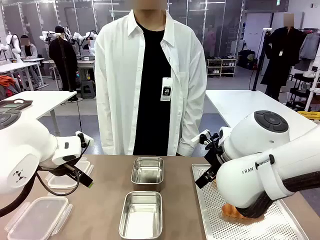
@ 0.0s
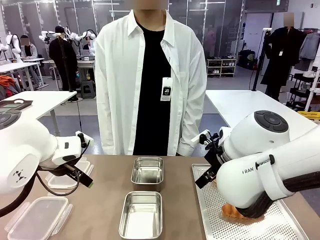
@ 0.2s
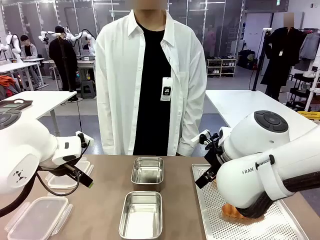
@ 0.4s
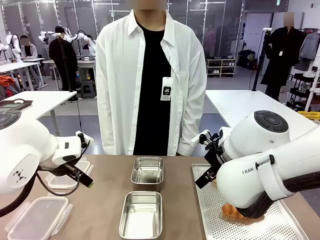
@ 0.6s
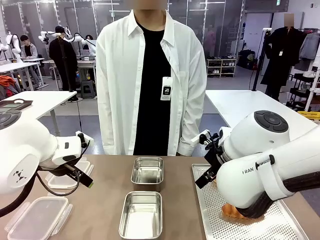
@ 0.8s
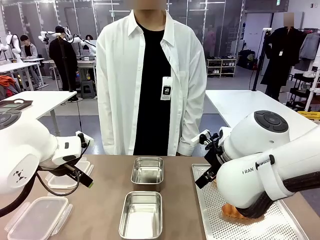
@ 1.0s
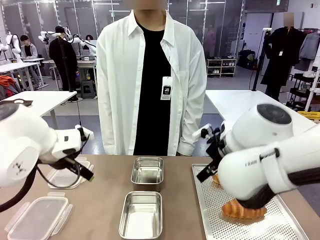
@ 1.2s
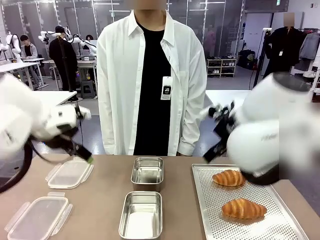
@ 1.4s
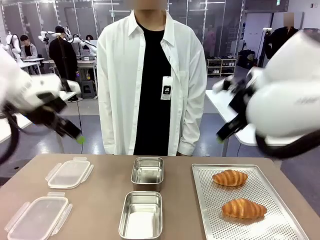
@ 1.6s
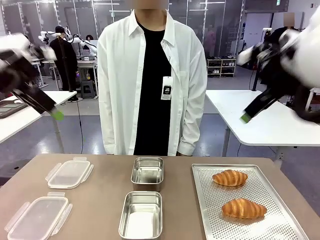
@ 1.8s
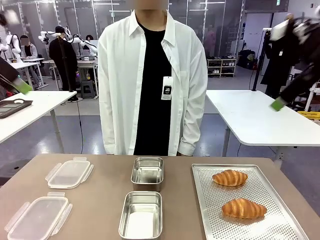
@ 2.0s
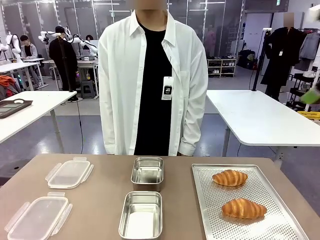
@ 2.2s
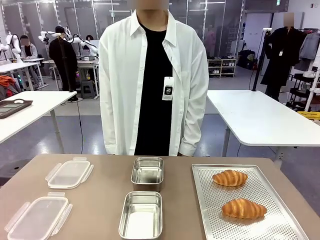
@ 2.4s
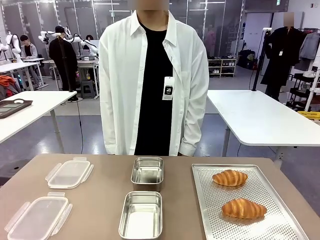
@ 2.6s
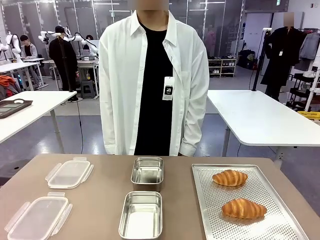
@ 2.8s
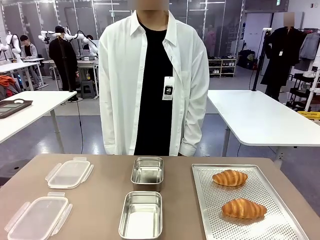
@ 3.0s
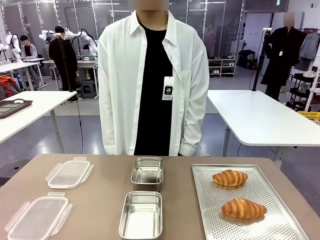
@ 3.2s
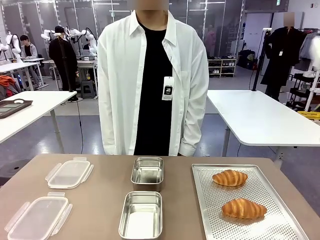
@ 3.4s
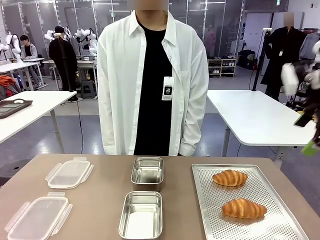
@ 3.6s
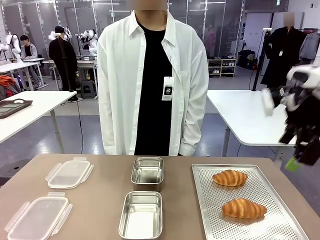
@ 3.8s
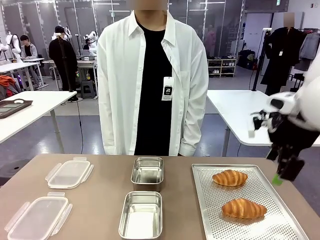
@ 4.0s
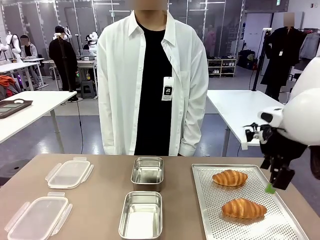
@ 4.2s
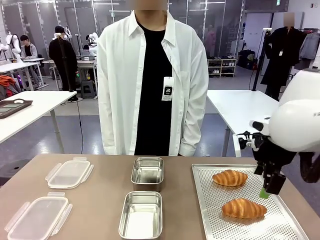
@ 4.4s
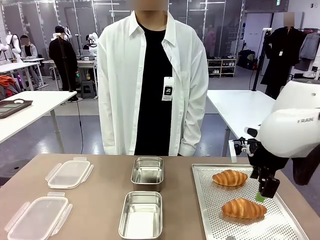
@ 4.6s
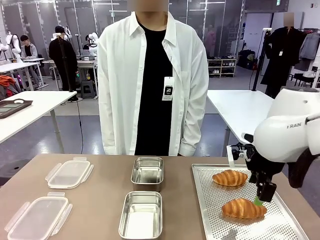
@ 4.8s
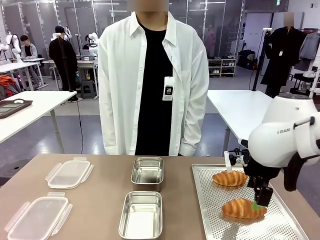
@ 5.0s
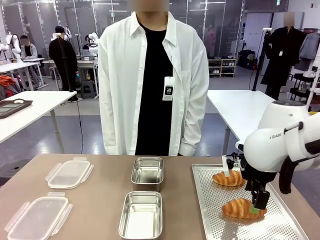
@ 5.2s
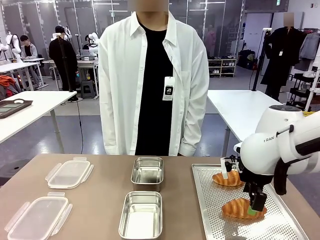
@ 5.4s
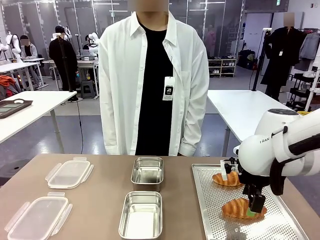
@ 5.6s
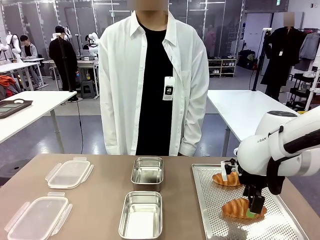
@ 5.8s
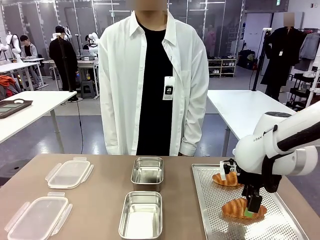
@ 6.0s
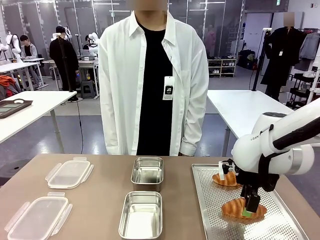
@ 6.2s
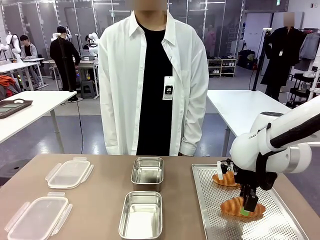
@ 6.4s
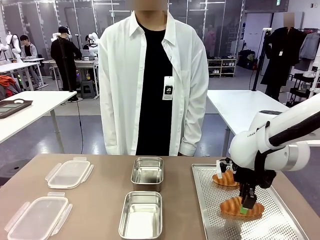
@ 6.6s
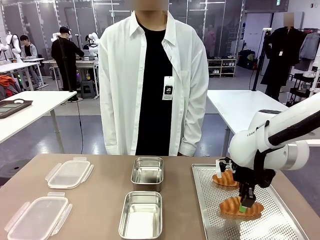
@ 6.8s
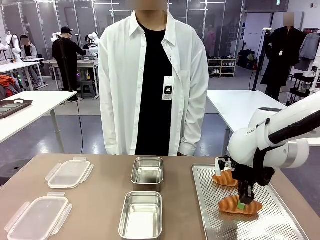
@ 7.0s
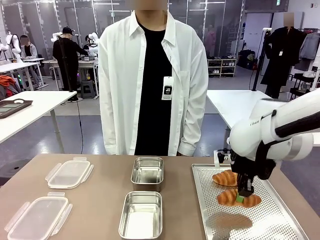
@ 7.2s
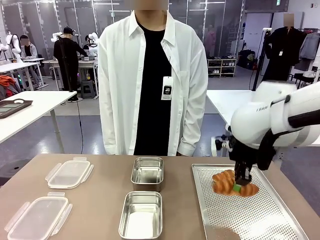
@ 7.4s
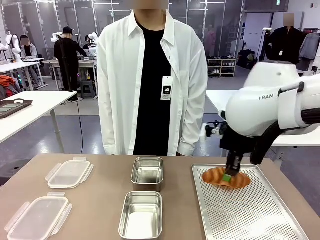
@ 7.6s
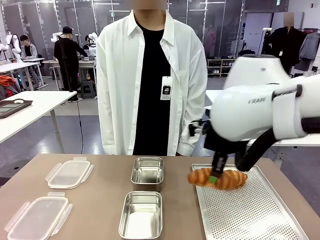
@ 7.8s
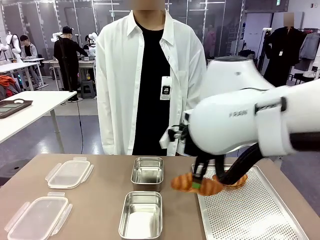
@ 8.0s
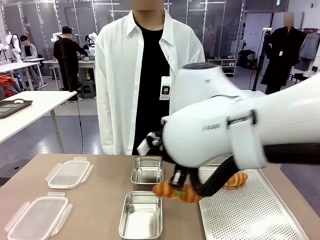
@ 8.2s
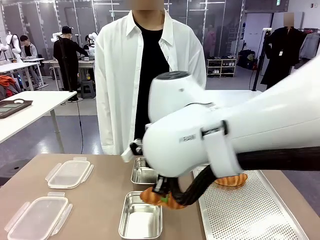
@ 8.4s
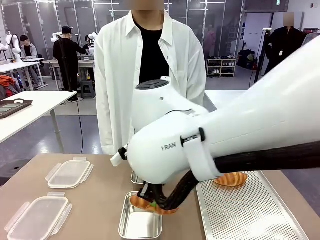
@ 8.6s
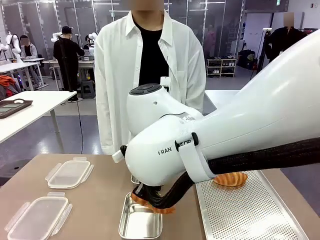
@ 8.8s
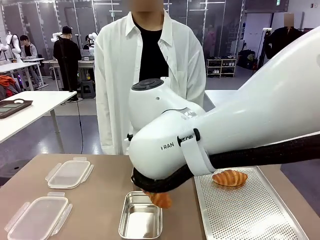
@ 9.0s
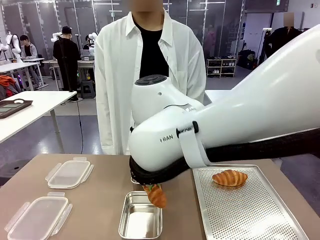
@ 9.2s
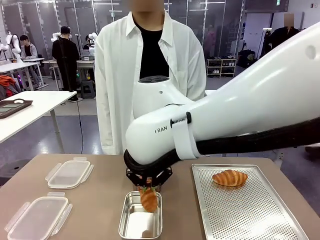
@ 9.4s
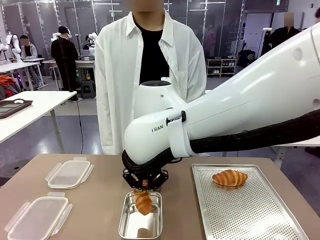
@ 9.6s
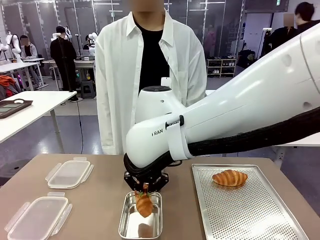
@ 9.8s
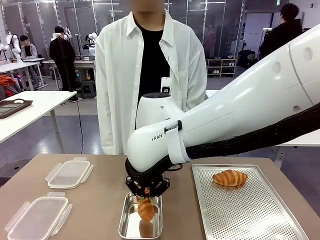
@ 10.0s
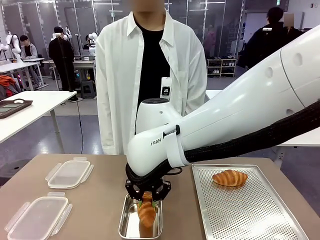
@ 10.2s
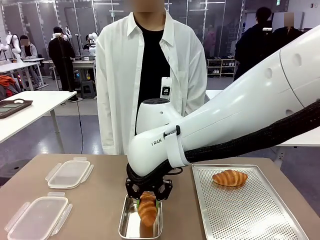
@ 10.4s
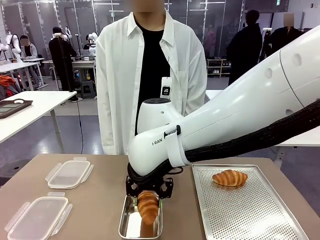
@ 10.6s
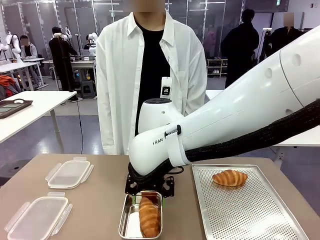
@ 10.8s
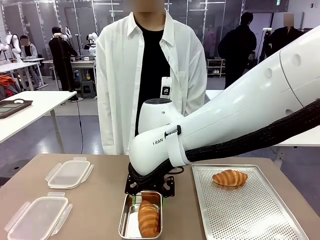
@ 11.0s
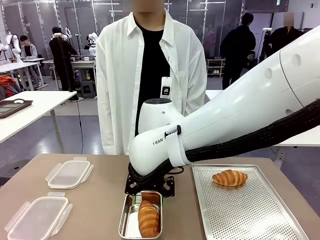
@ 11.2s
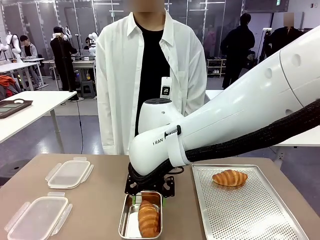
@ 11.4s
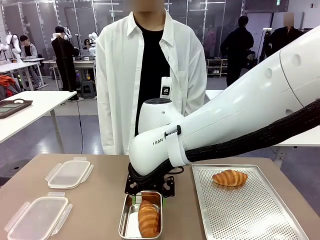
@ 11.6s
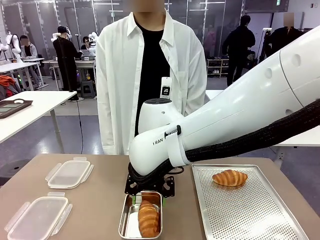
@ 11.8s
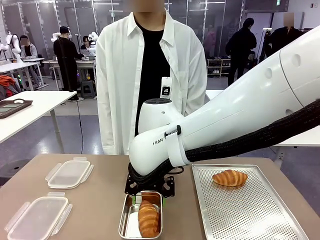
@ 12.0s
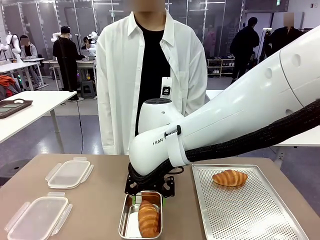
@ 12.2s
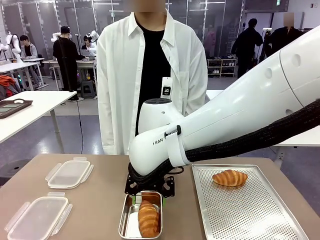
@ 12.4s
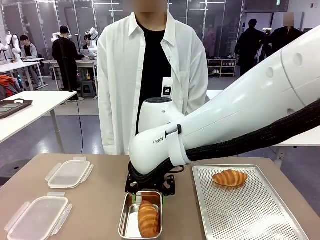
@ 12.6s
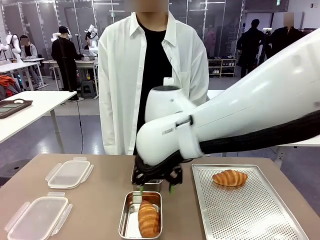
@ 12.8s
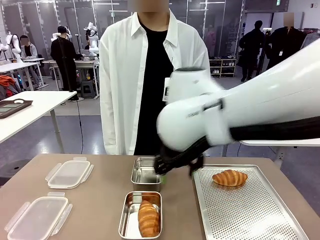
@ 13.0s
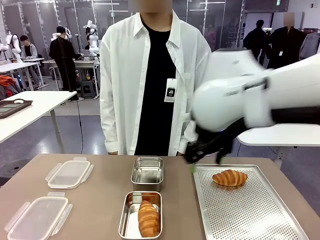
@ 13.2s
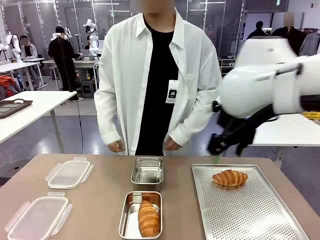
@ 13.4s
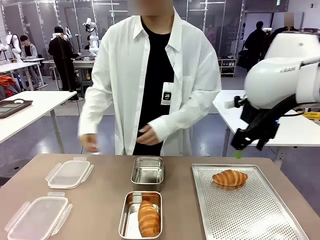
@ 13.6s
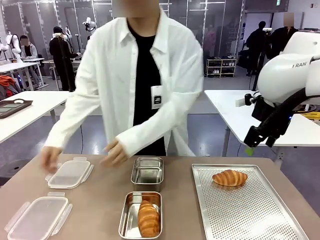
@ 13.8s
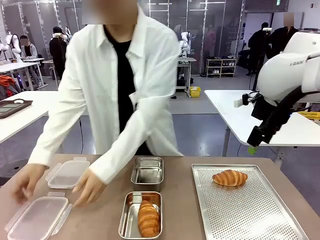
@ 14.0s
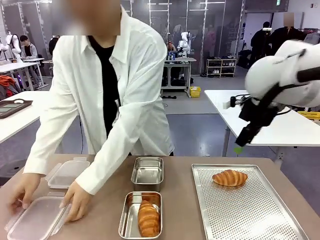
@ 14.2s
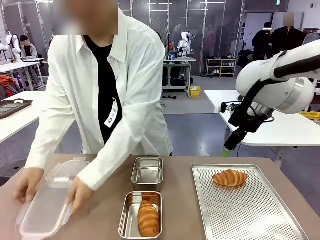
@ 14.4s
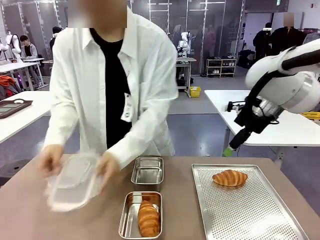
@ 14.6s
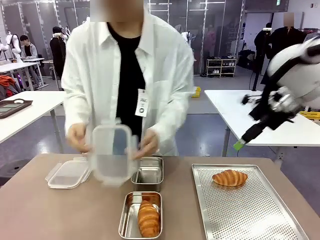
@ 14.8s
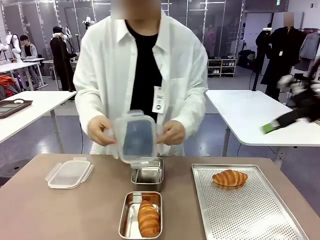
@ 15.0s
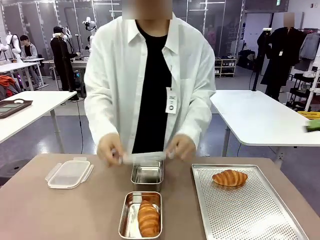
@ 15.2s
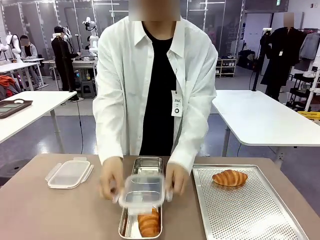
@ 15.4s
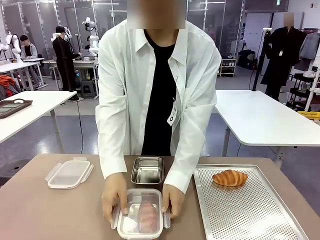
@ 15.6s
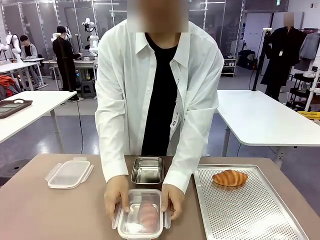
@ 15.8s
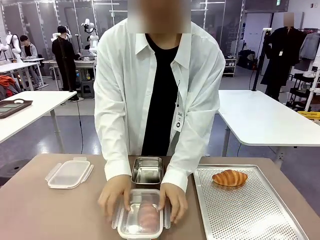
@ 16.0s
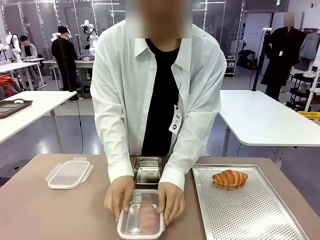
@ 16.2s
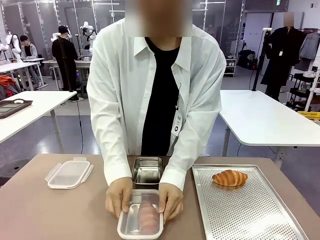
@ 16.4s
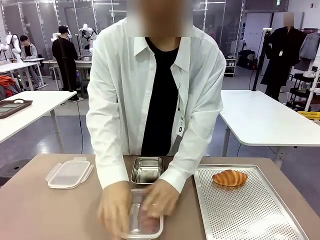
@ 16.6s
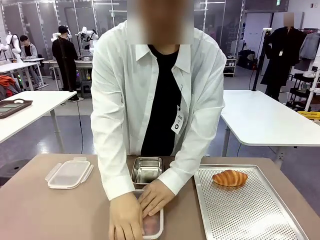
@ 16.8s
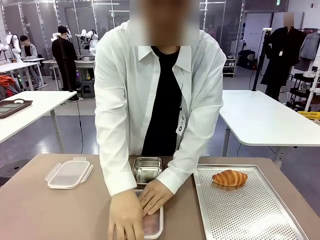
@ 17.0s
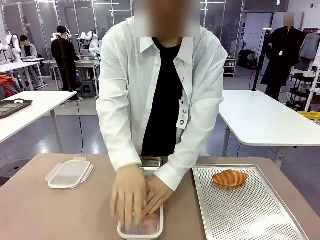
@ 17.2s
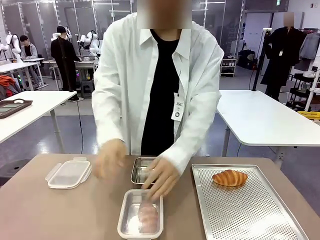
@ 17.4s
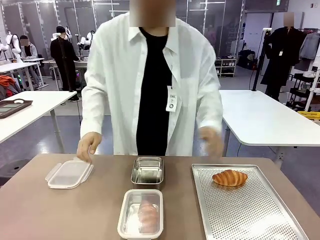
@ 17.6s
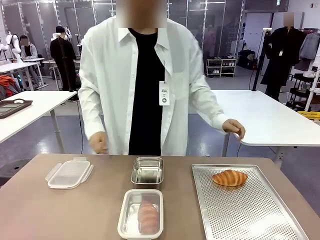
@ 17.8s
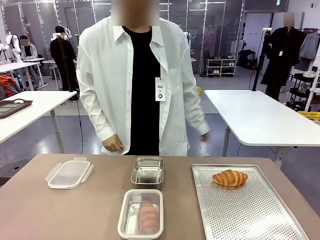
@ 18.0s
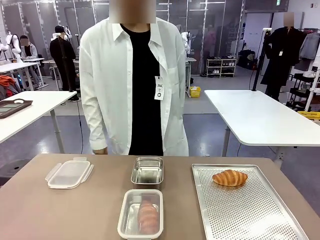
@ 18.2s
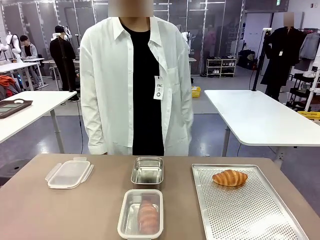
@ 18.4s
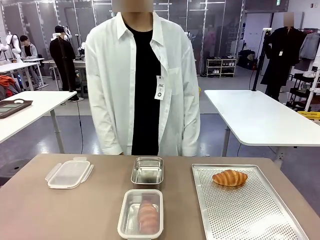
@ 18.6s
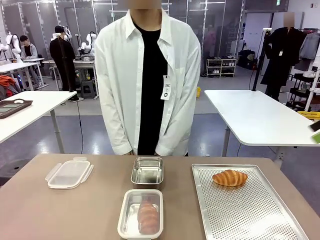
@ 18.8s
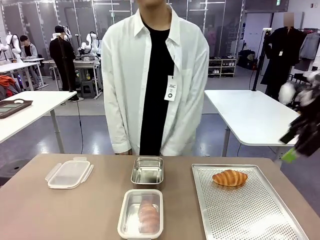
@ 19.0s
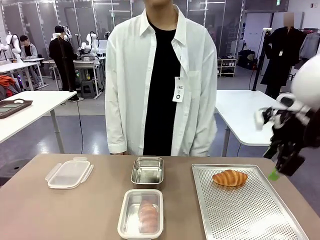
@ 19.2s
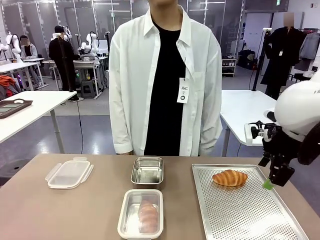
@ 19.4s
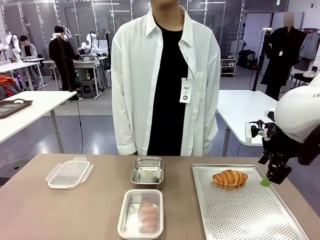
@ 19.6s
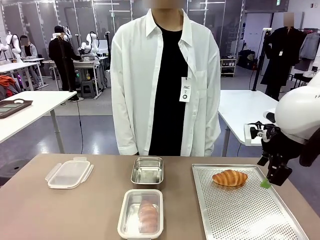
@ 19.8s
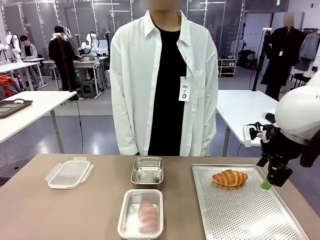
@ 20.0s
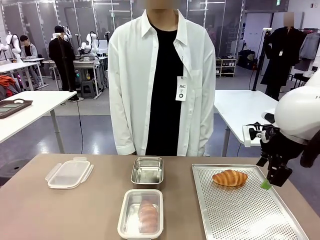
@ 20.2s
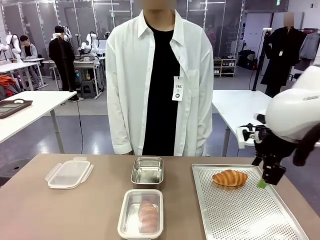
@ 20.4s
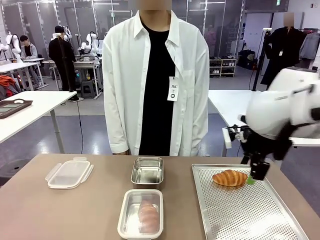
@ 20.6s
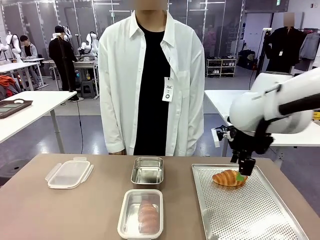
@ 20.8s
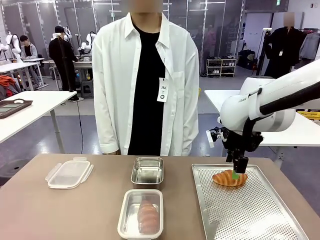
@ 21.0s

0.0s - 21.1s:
Task: Place the bread into the airtight container.
Robot: Pick up a Butter Roll and place it into an empty Airtight Container.
